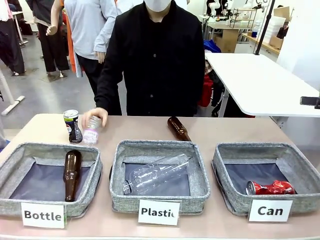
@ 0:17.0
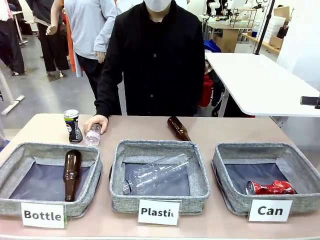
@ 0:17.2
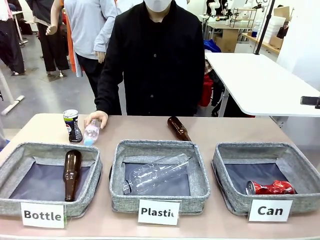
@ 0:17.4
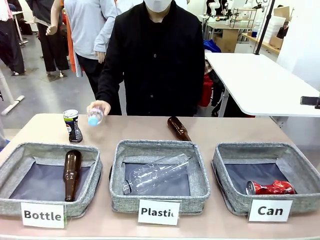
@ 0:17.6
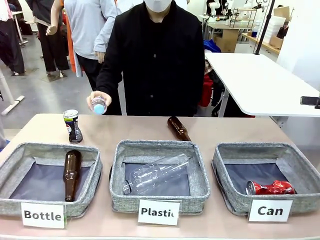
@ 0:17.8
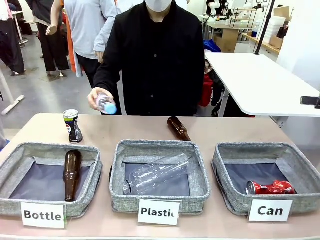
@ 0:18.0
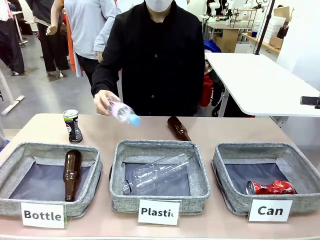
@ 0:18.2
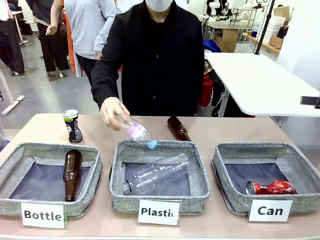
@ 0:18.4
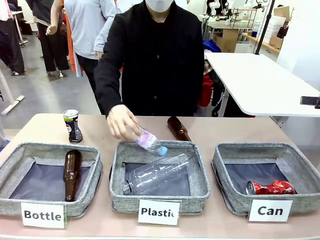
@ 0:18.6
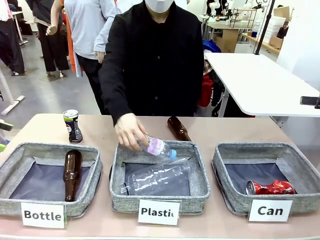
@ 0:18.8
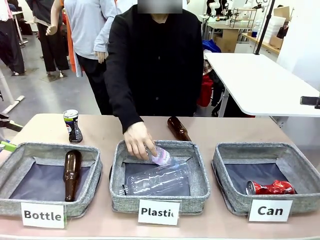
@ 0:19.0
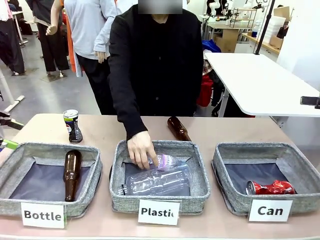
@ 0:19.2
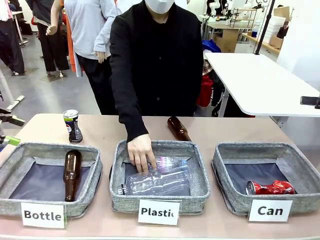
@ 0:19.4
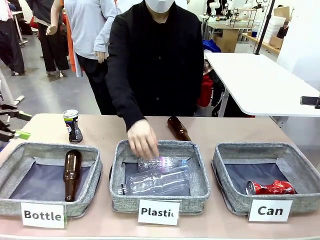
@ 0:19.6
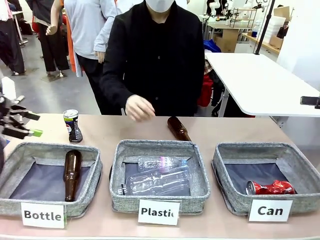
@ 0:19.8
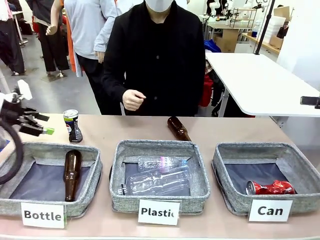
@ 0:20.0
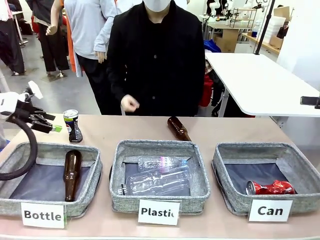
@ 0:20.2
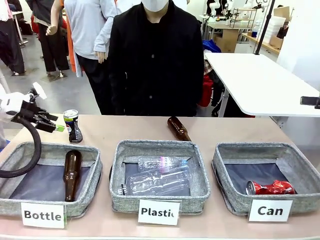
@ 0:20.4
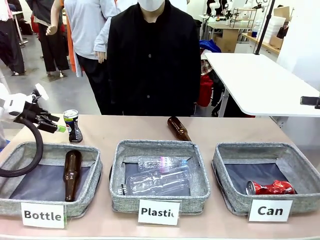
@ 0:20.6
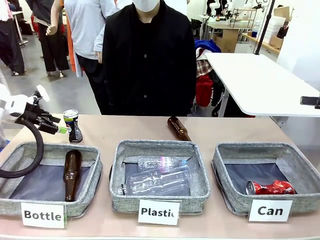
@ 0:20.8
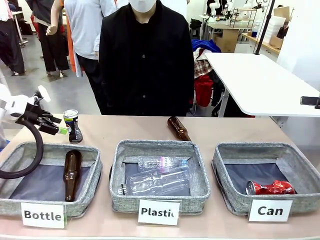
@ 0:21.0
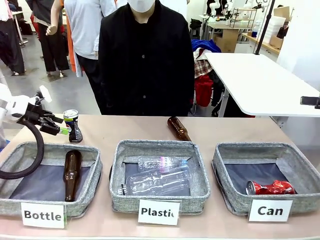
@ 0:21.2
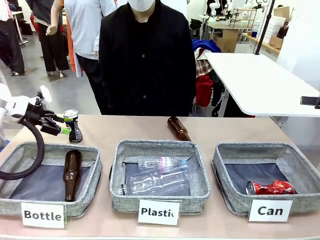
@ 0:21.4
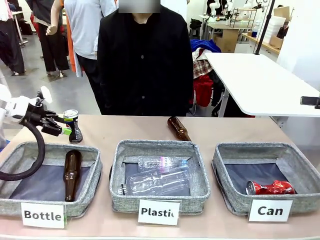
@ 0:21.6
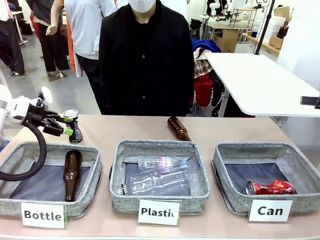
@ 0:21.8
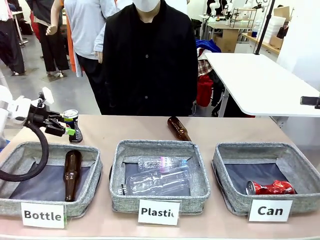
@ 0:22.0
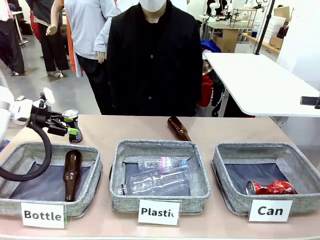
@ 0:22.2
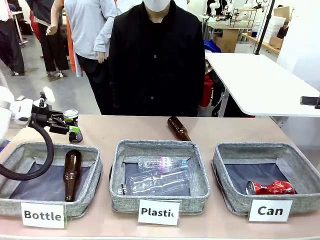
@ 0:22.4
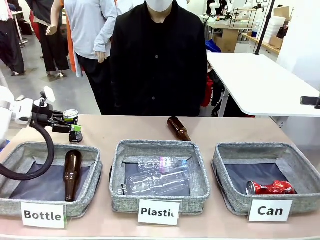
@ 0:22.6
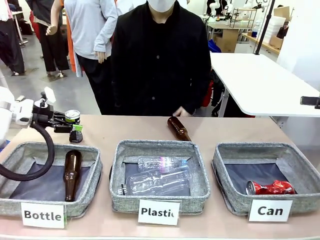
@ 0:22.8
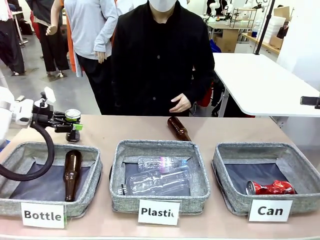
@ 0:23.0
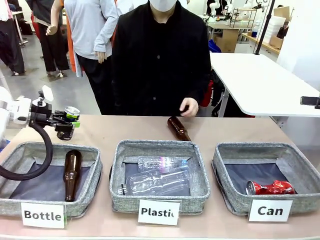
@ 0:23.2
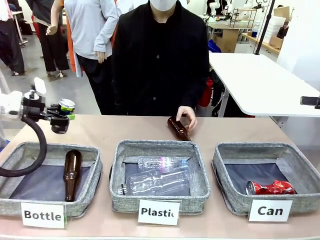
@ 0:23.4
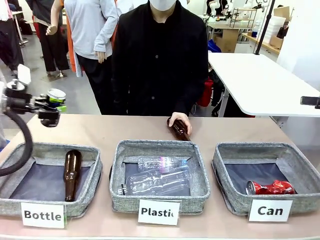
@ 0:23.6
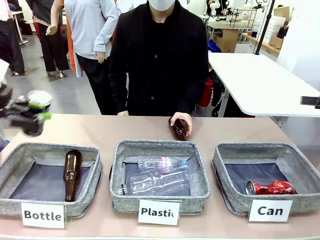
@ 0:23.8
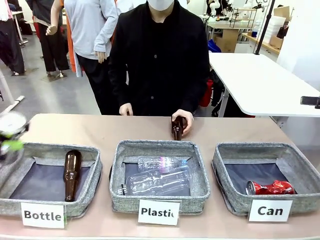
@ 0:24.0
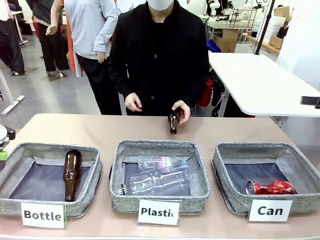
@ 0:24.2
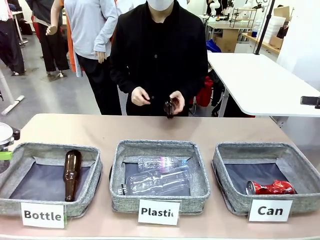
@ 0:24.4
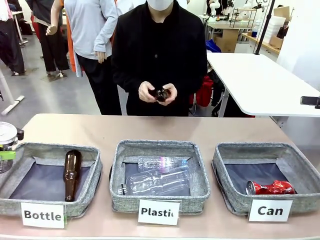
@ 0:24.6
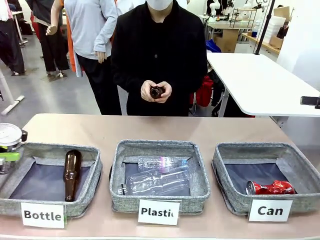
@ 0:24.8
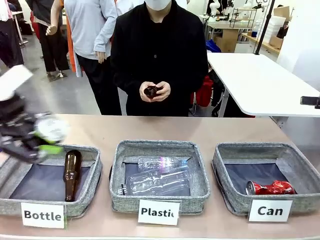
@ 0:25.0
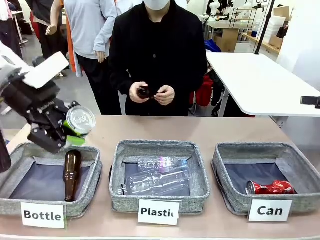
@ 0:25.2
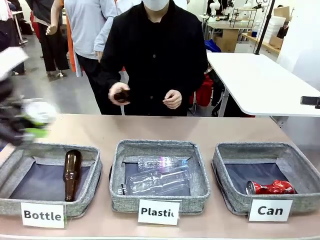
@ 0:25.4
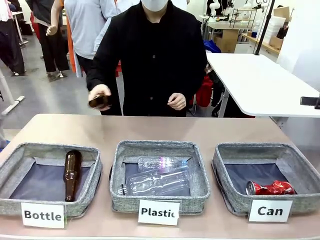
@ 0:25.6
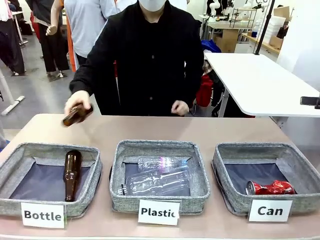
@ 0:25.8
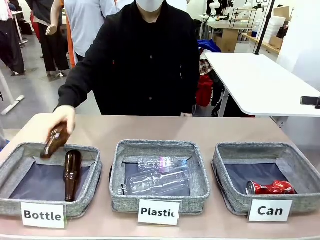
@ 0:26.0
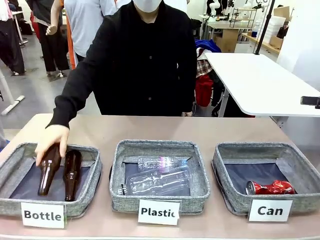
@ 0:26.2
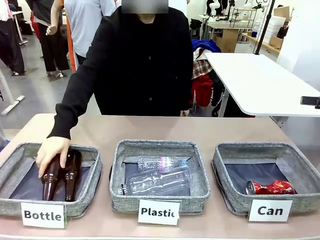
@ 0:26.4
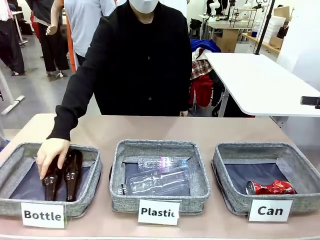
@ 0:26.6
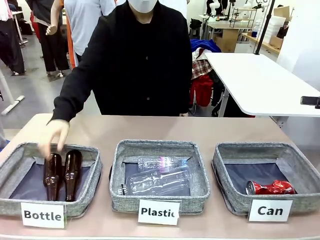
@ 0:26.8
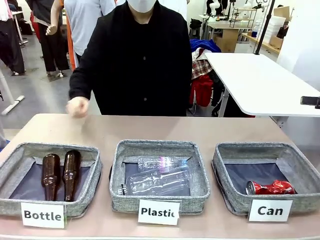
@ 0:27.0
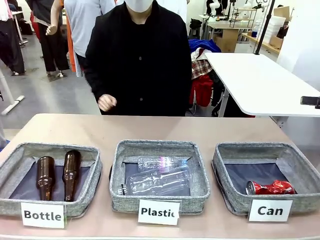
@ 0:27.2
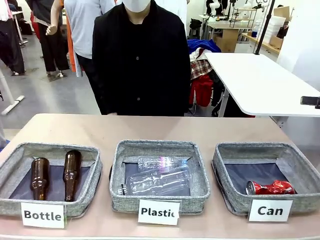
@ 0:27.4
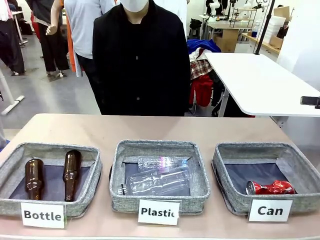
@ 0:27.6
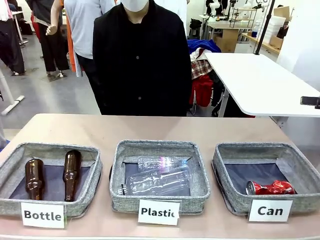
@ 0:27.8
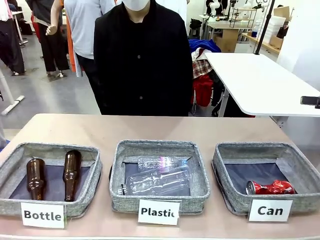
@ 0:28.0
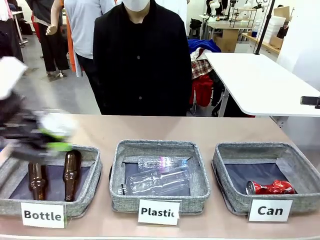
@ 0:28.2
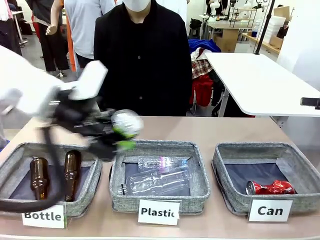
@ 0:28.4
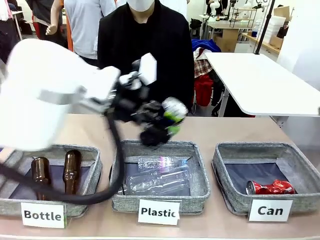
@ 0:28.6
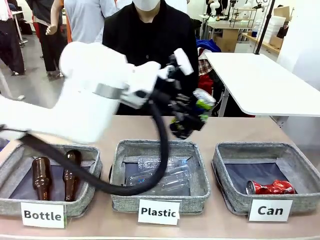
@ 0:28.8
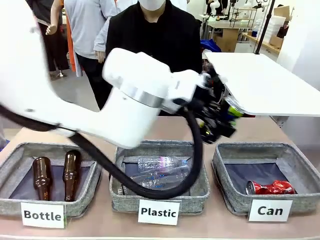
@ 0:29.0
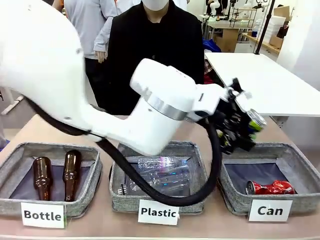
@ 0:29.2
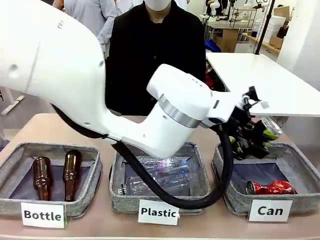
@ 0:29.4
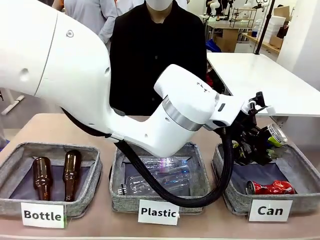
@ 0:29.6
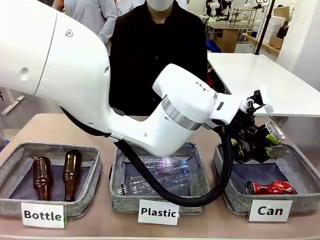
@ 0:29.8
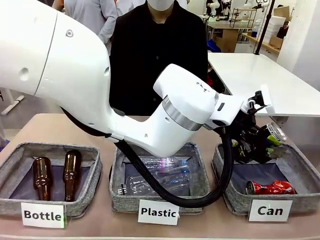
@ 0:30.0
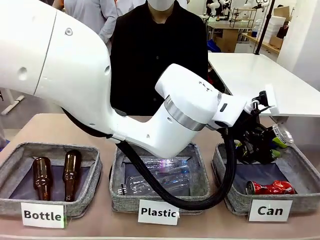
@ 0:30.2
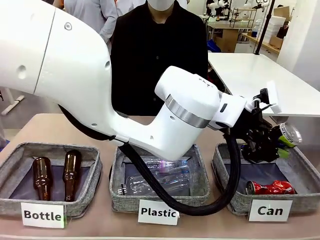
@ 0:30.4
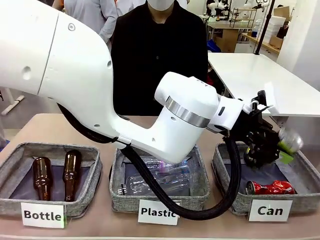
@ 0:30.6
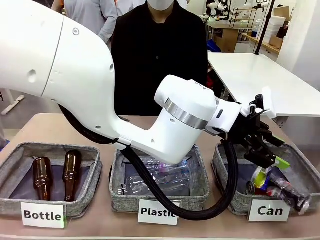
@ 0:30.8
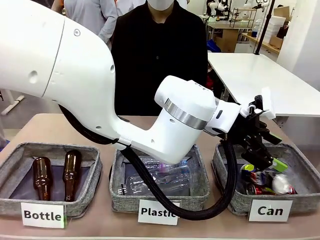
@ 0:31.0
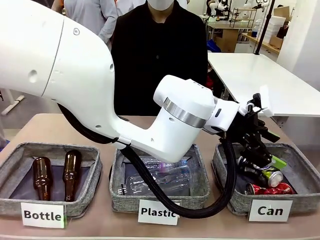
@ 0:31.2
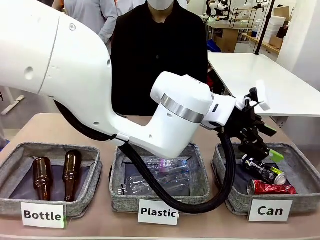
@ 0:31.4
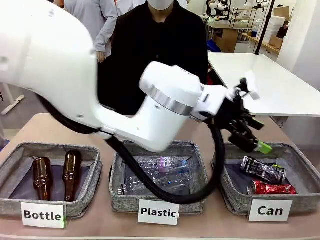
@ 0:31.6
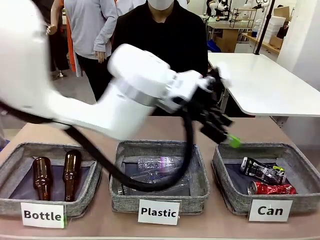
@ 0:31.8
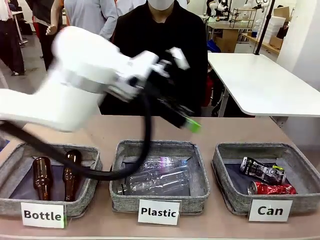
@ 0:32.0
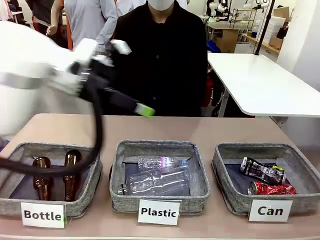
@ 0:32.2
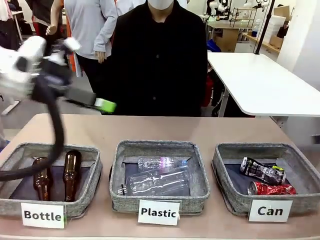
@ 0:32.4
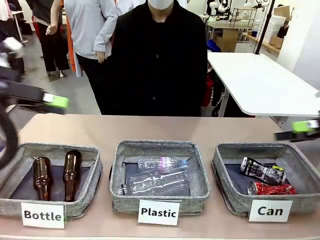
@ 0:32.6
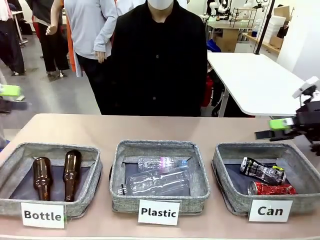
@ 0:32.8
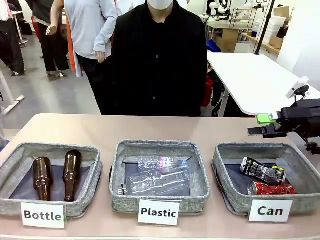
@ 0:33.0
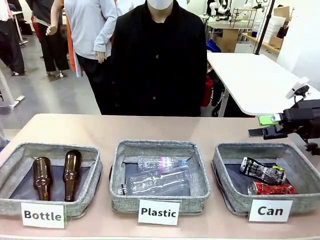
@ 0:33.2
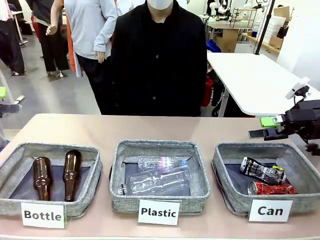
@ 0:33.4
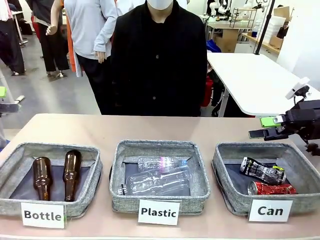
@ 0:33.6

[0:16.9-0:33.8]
Task: Sort the can waste into the basket.
Robot: Pick up the can waste from the table and place it in the right Fabric basket.
